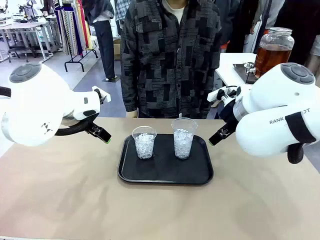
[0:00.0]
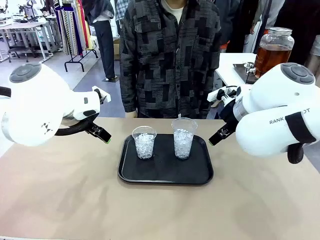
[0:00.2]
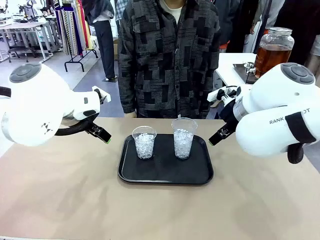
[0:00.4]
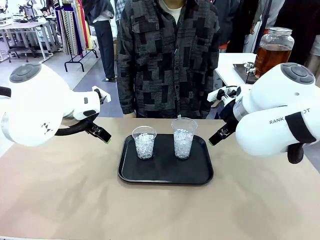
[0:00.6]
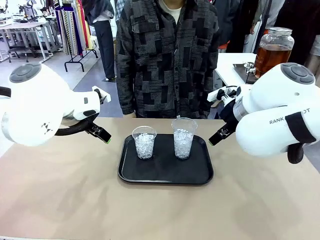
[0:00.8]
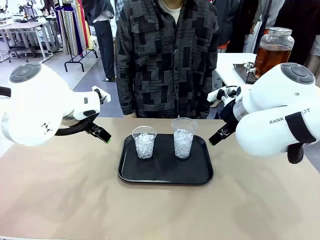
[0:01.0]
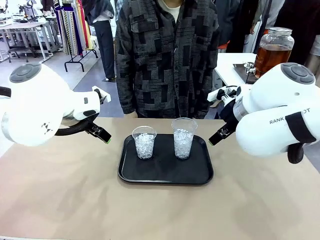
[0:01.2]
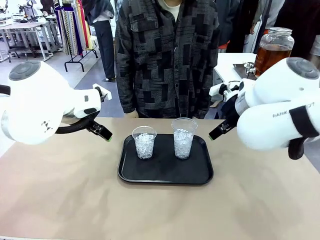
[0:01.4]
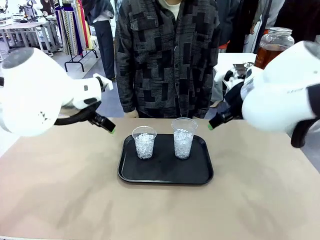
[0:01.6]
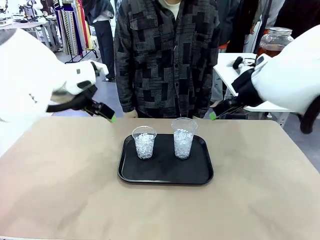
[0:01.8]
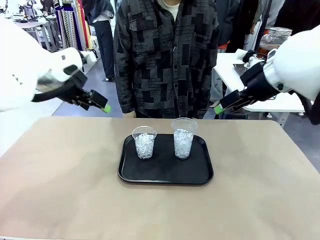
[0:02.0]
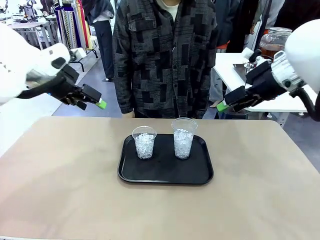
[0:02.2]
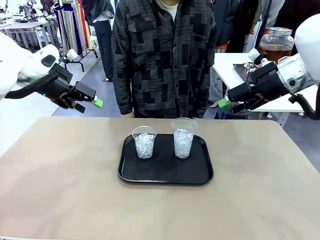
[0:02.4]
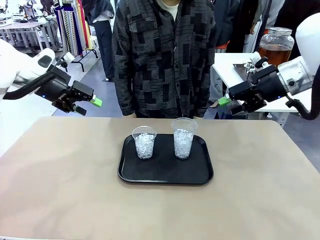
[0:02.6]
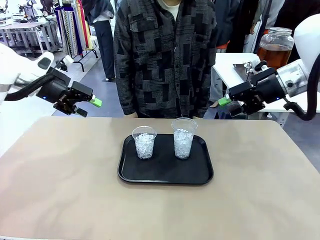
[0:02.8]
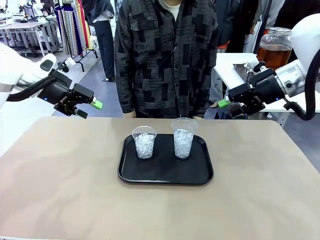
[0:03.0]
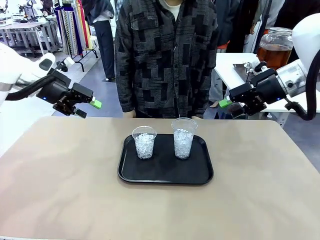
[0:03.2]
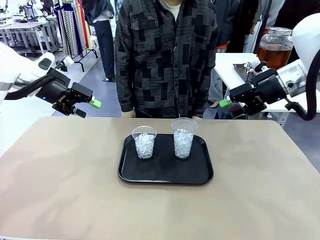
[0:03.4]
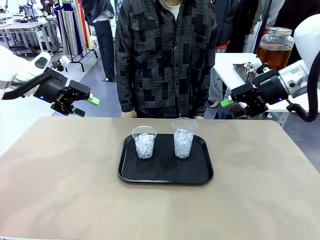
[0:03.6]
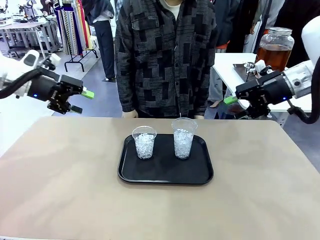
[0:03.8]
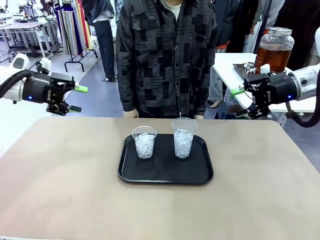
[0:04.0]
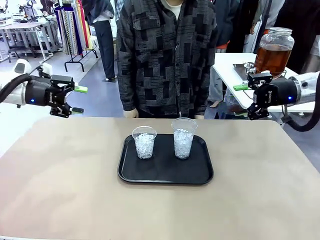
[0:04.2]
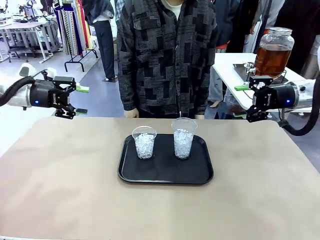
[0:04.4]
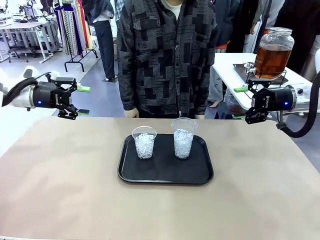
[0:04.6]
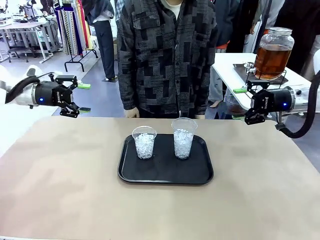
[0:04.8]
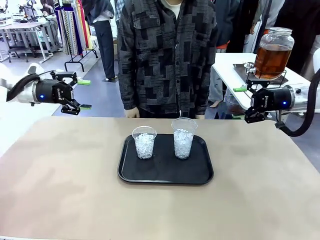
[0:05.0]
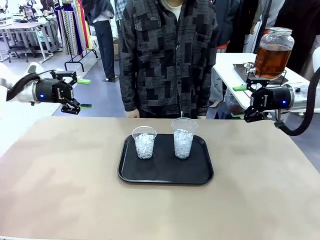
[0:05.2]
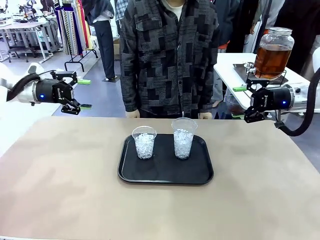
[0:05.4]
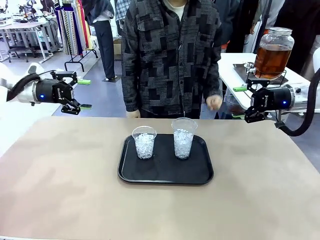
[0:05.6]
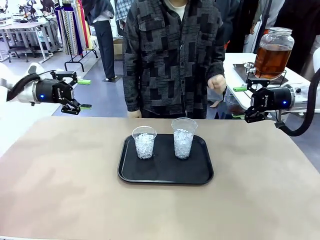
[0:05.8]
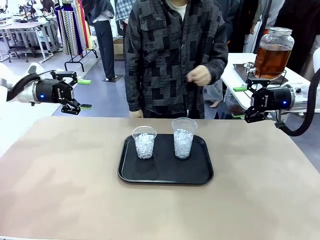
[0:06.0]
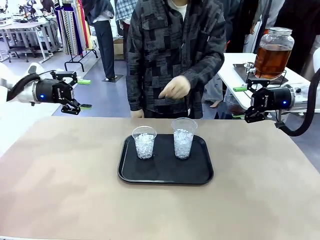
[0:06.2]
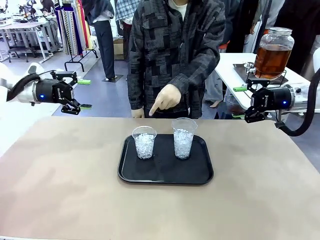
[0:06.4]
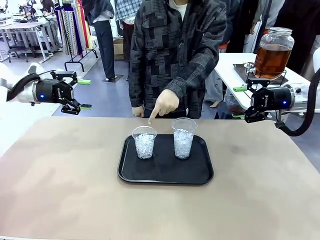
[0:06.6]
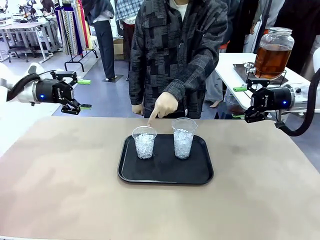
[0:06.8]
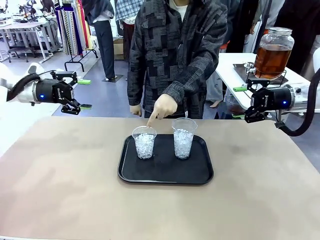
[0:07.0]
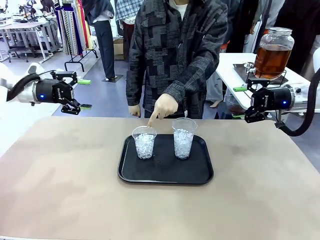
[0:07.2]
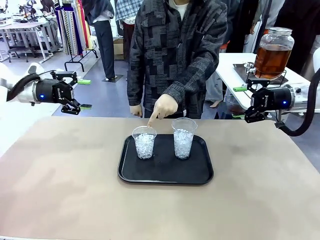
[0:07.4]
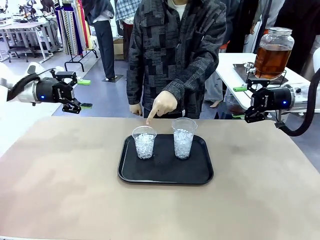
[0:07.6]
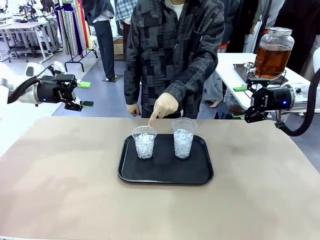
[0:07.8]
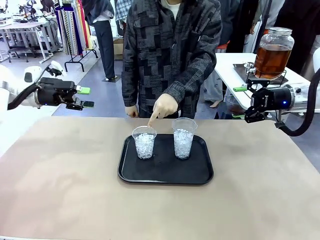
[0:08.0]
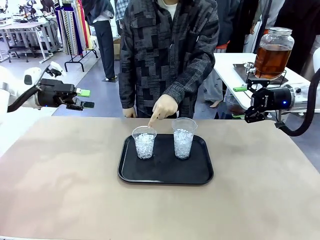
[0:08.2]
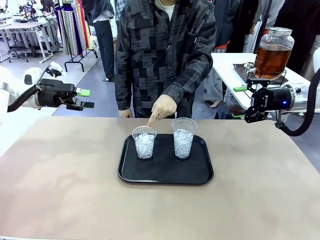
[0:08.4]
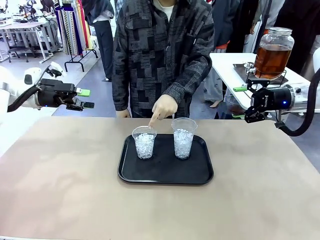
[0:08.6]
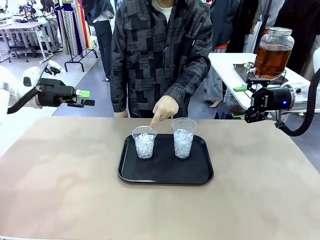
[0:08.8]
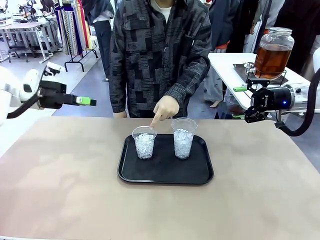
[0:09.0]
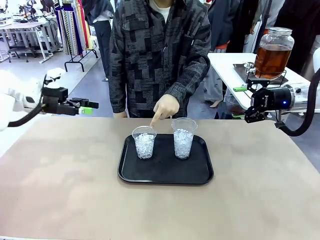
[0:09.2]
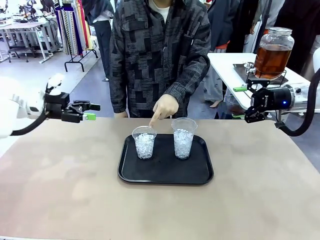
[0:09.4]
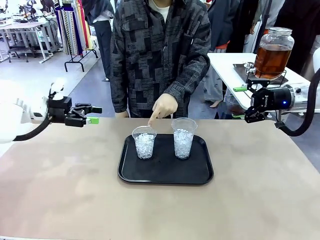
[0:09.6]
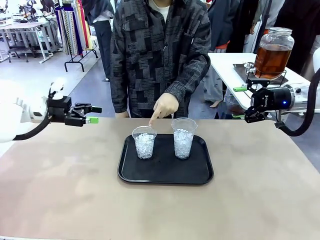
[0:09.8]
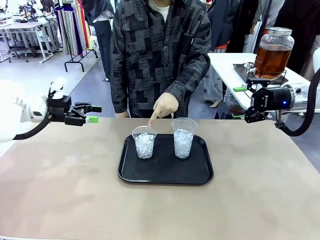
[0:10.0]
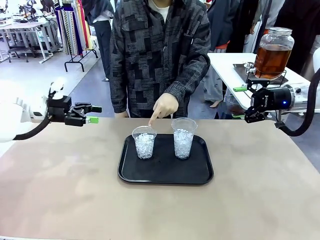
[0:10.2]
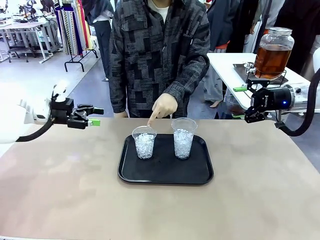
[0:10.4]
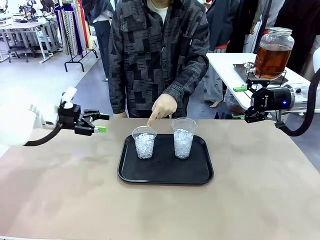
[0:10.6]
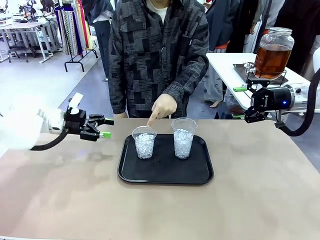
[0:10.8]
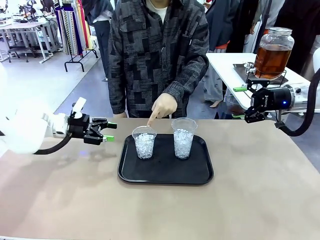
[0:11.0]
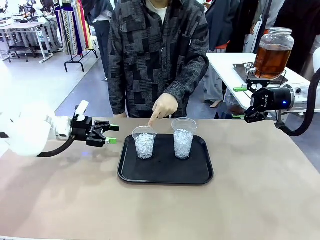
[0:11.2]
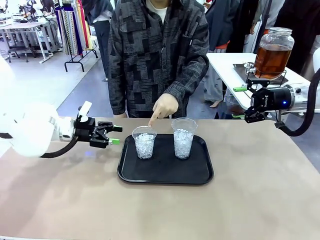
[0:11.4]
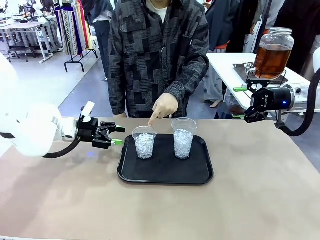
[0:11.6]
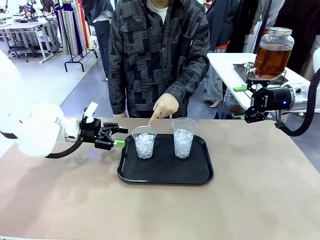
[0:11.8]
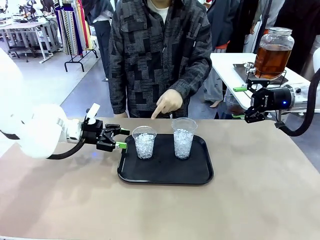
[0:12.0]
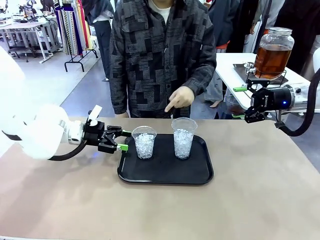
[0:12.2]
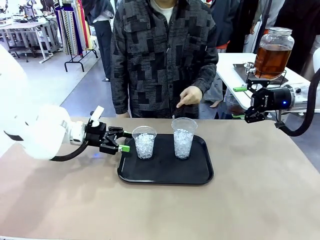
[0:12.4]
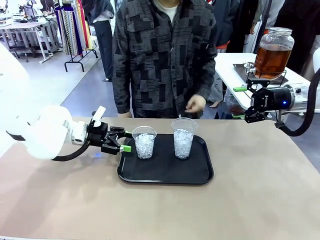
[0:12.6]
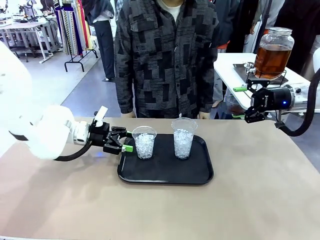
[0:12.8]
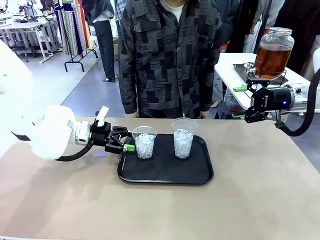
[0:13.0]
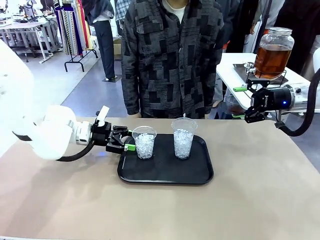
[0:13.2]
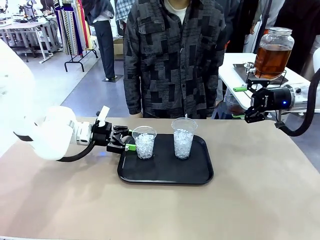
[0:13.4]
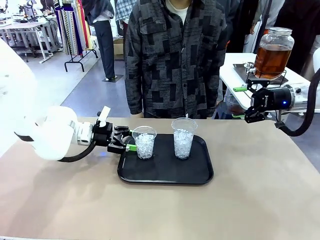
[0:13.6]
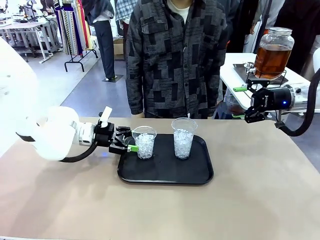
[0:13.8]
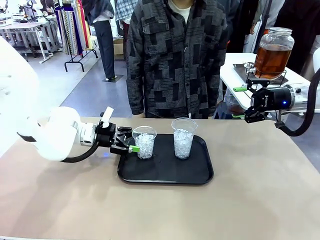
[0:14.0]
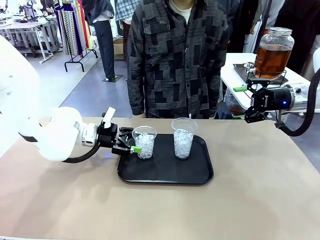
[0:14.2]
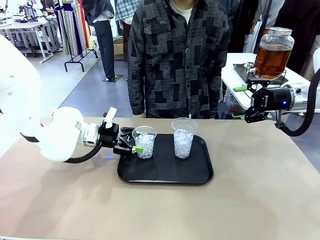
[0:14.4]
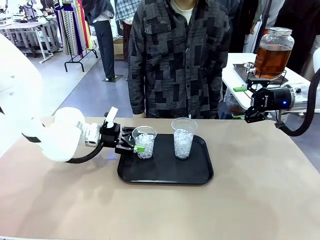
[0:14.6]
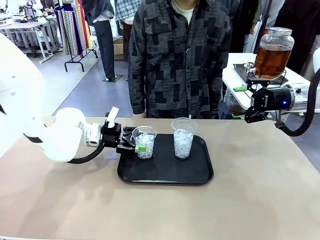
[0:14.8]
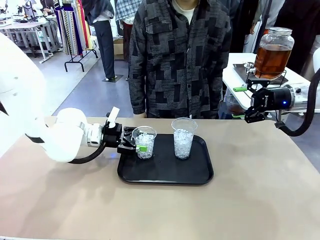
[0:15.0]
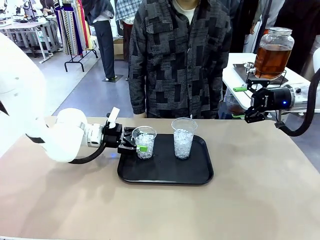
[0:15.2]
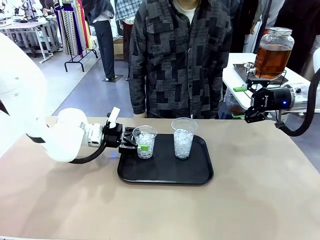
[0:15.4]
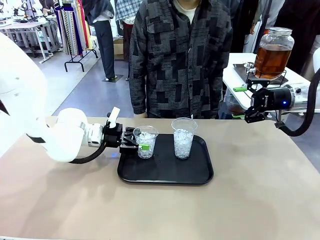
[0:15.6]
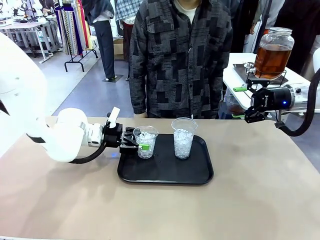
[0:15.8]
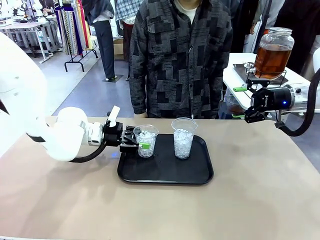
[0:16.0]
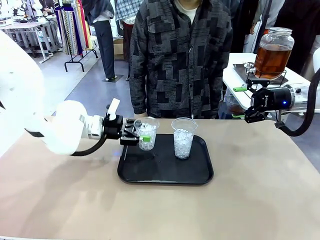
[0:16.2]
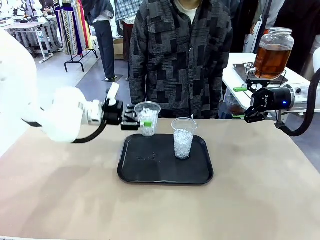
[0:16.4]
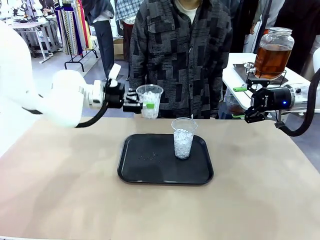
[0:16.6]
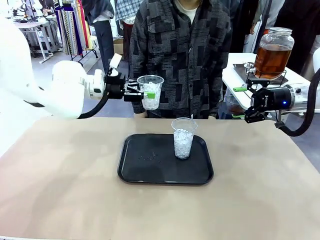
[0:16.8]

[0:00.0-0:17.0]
Task: Pour the drink into the iced cup.
Robot: Pick up the iced cup indicated by the human and present it to them.
Person: Point to one of the two ice cups. Pick up the cup offered by the robot.

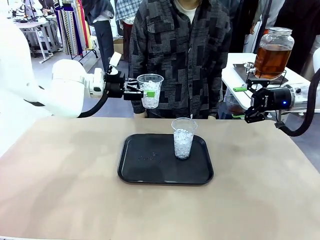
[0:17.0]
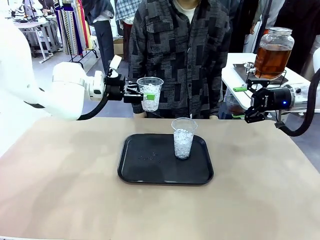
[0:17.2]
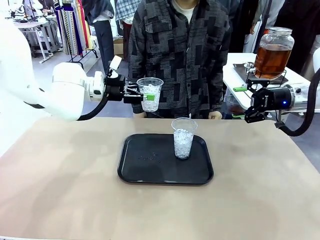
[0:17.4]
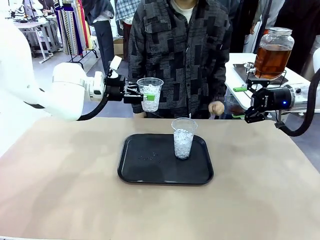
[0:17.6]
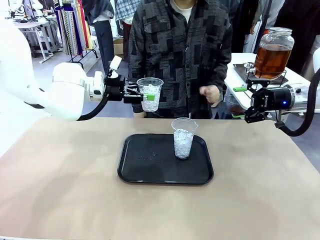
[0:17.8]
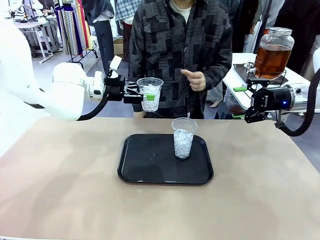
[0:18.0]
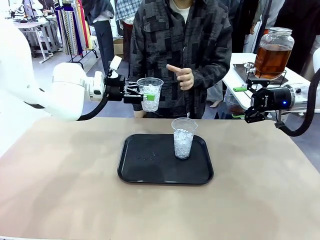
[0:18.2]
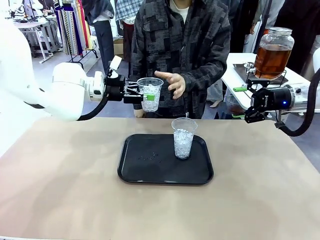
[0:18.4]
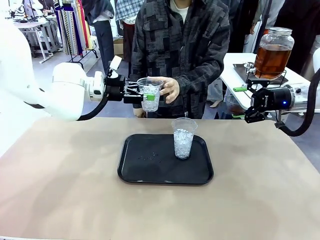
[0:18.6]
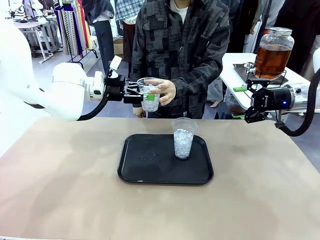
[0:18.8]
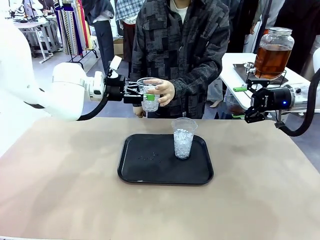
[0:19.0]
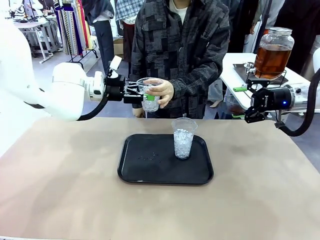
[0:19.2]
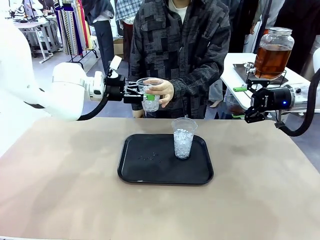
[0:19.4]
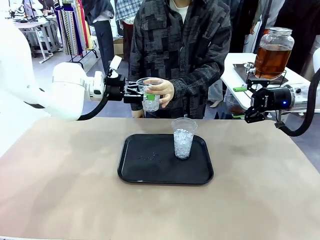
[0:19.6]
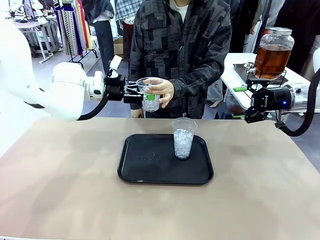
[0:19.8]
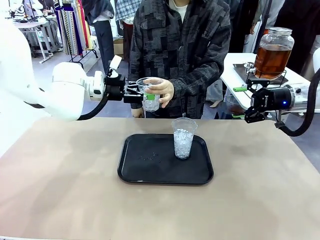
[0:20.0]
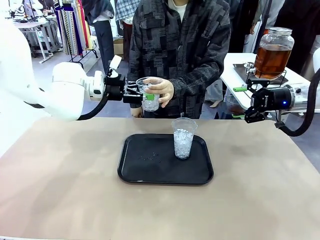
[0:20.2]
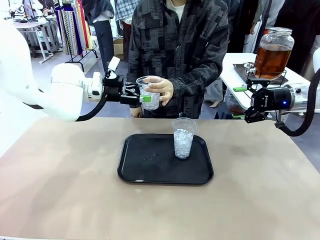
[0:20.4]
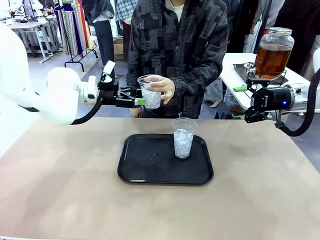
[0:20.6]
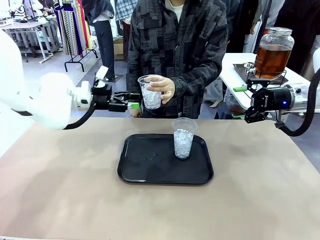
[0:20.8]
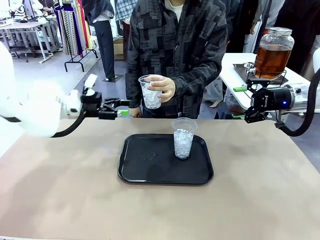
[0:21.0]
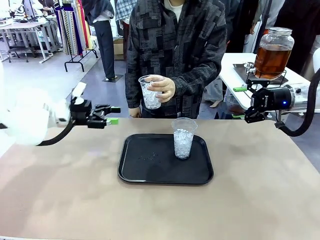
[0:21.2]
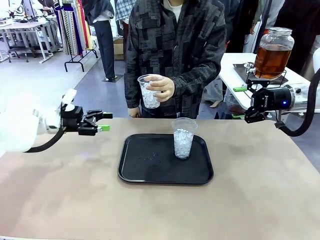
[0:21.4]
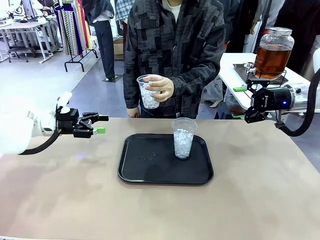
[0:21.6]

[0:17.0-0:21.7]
Robot: Open the gripper to release the iced cup you were holding.
